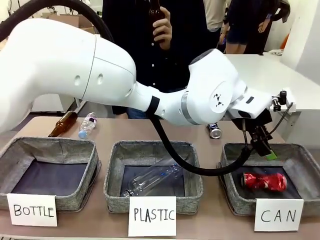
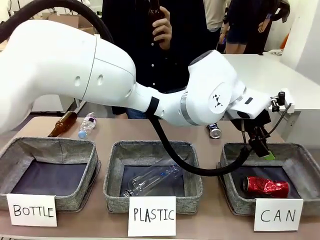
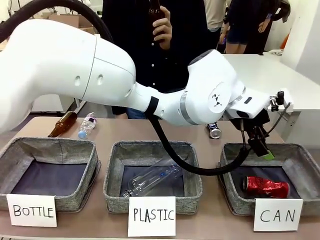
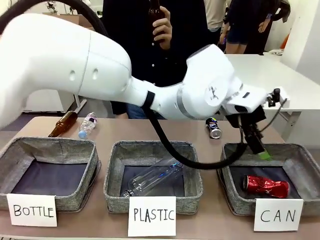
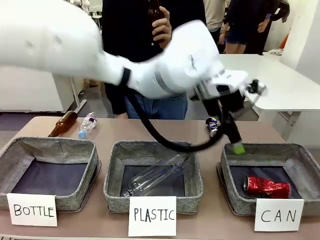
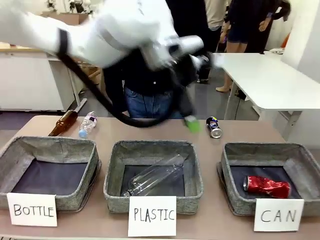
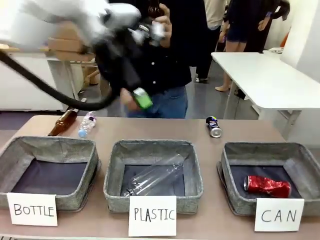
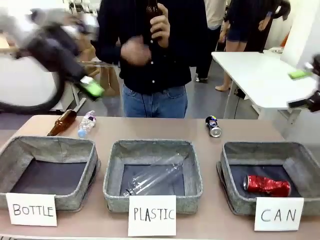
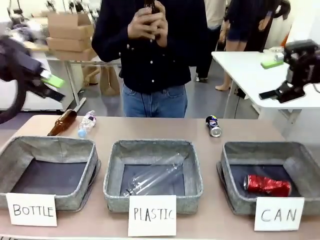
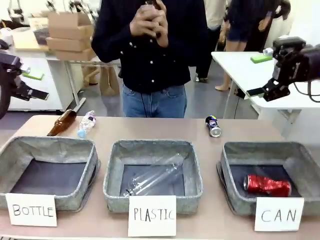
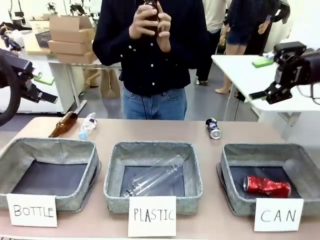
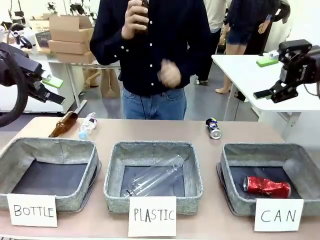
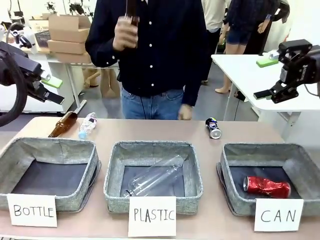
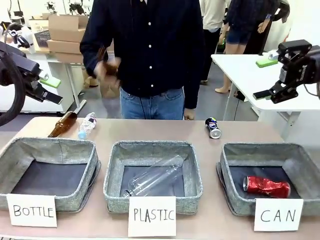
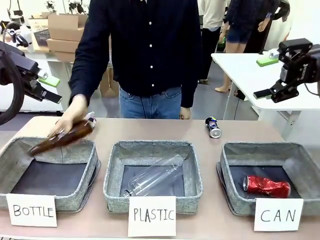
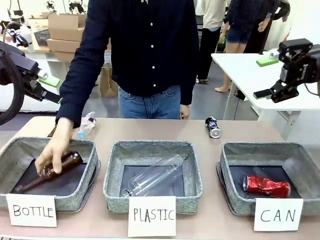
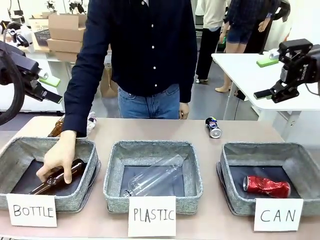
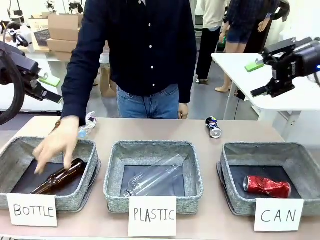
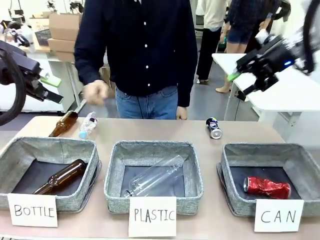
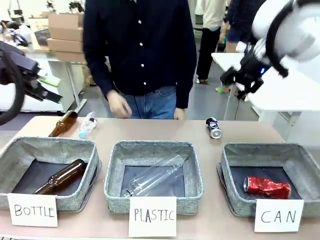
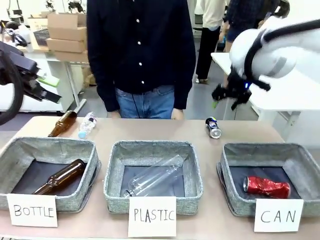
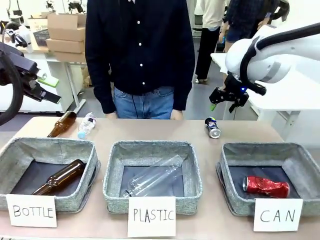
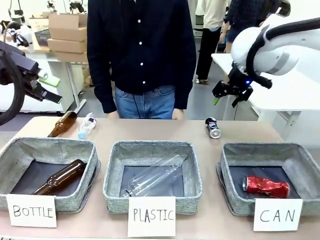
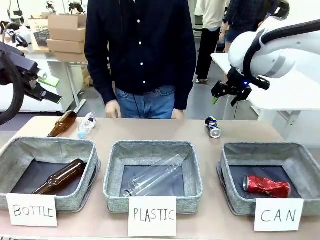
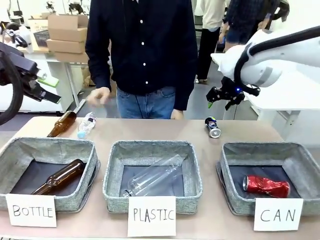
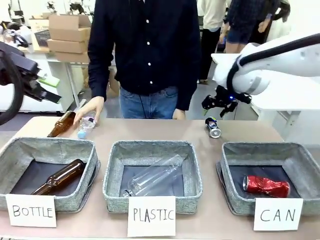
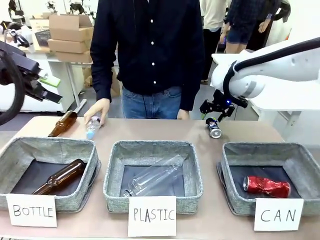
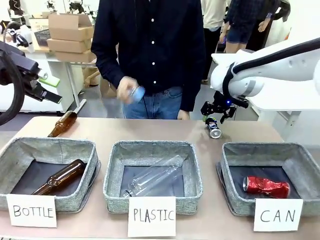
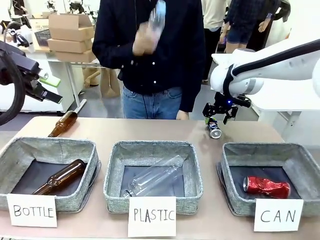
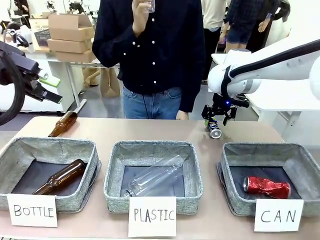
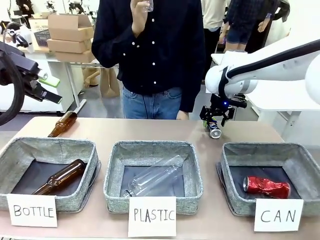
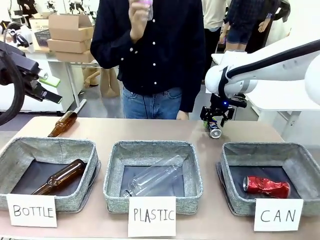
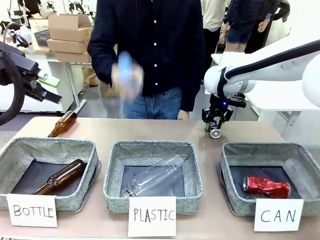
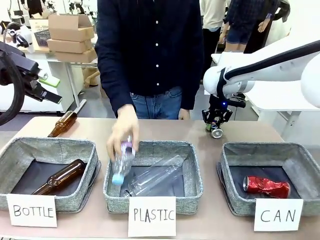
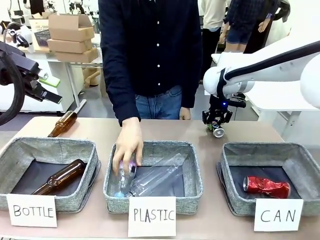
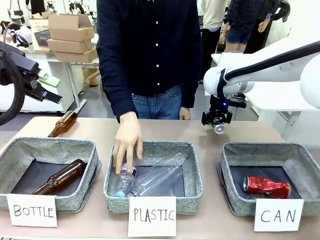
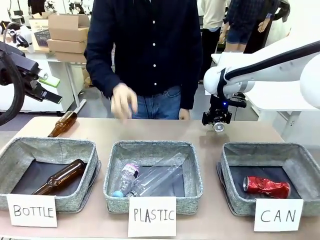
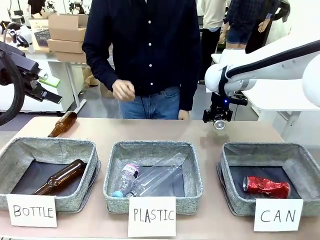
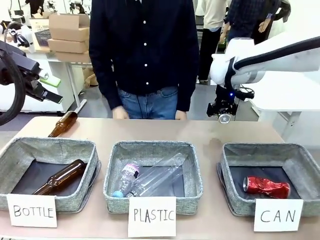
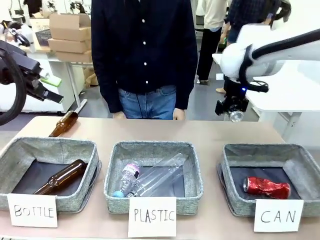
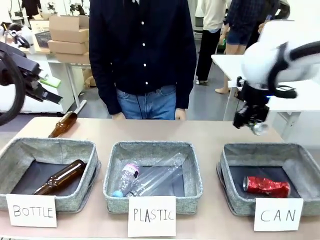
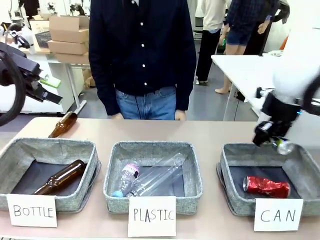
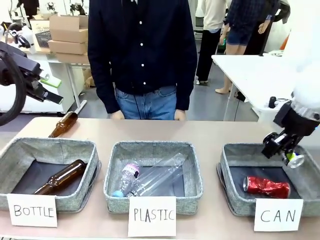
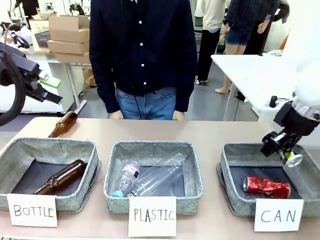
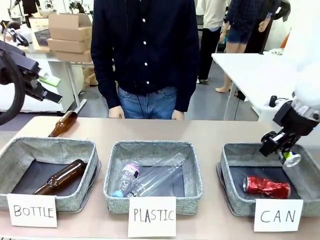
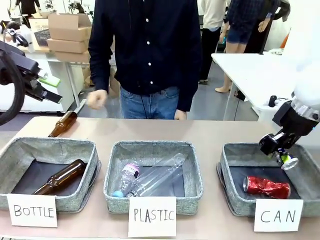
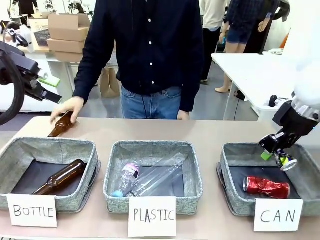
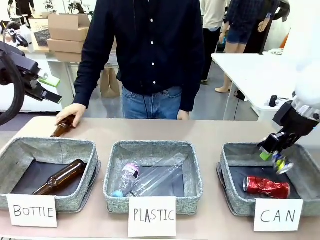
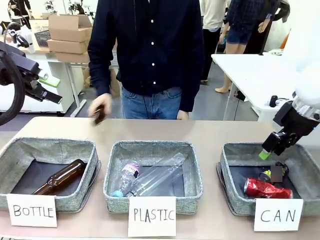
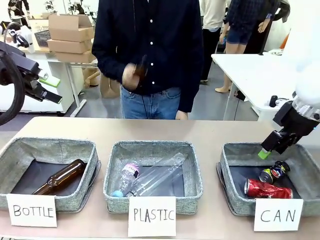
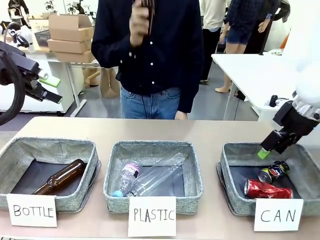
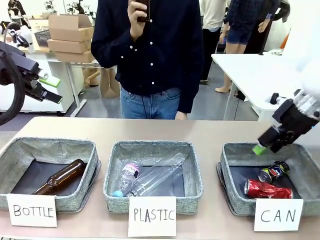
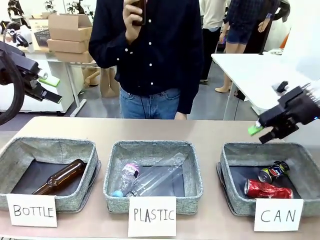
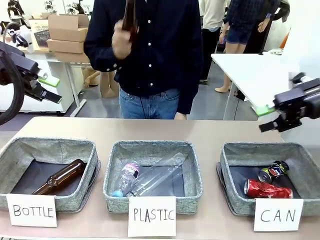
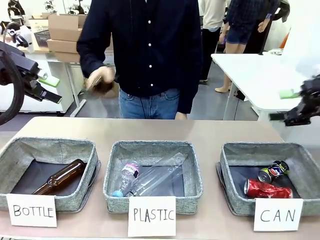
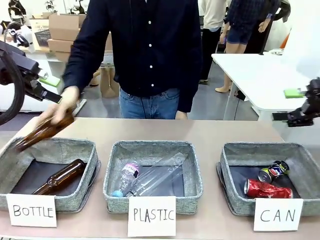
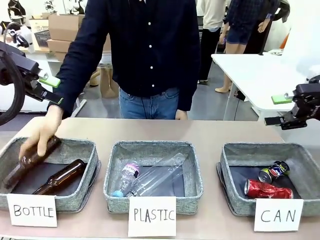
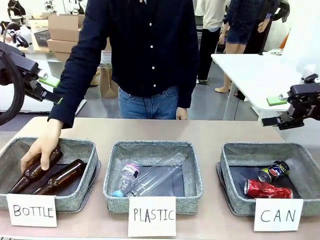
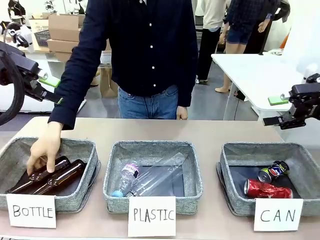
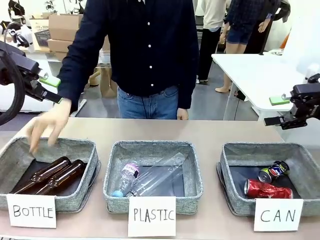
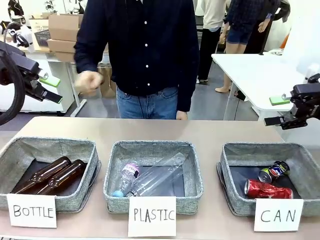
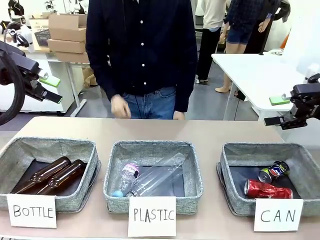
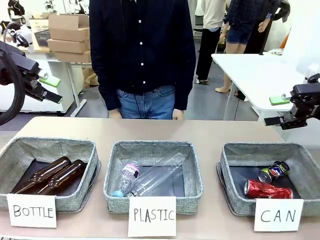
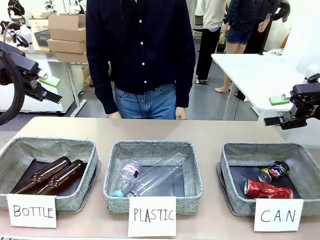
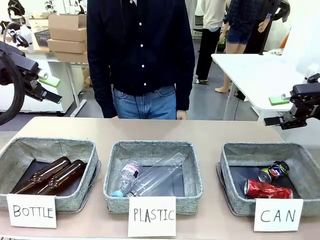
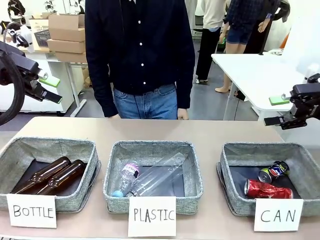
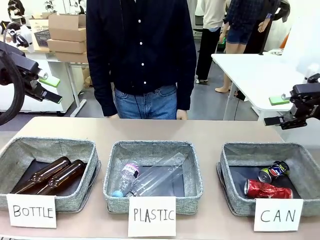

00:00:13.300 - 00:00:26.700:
Task: Sort the can waste into the basket.
Robot: Pick up the can waste from the table and place it in the right Fabric basket.
Person: The human picks up one piece of trash that is not a can and places the trash into the appropriate organizing basket.
